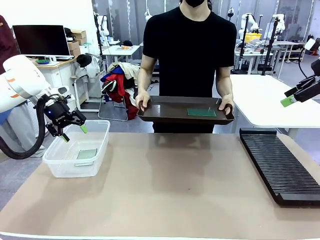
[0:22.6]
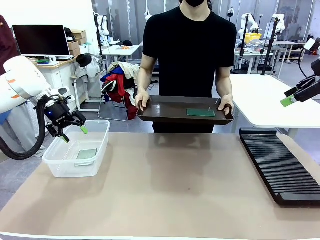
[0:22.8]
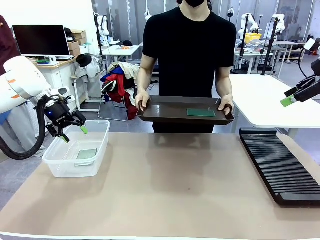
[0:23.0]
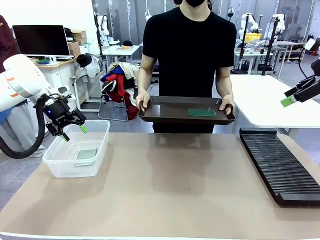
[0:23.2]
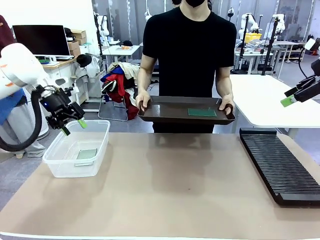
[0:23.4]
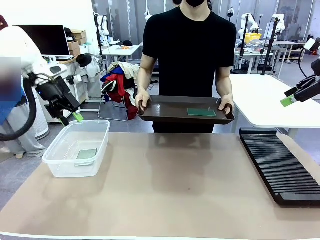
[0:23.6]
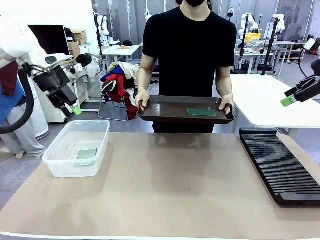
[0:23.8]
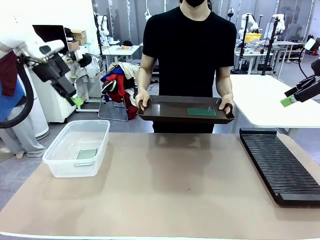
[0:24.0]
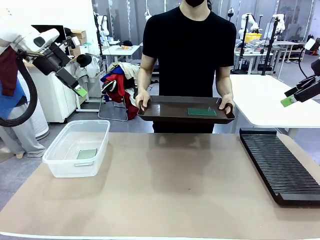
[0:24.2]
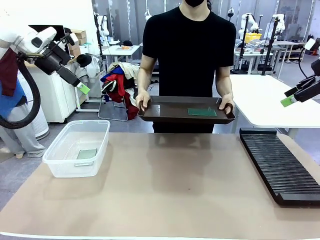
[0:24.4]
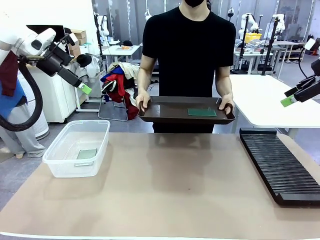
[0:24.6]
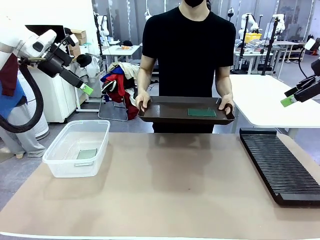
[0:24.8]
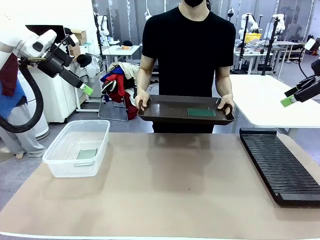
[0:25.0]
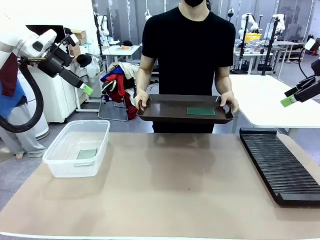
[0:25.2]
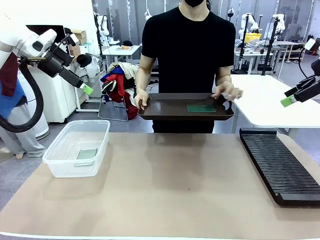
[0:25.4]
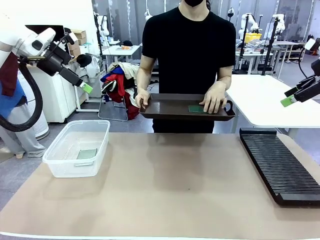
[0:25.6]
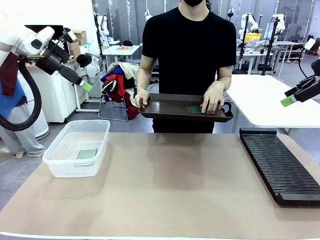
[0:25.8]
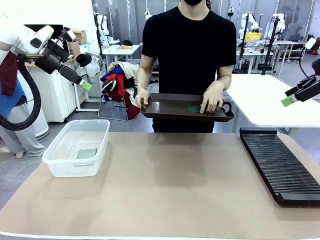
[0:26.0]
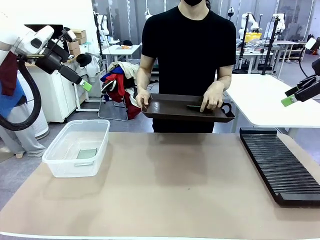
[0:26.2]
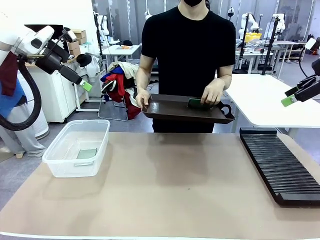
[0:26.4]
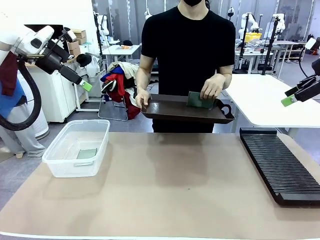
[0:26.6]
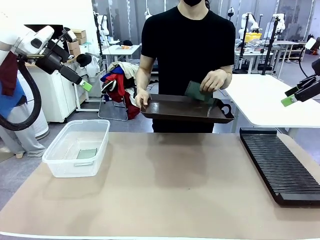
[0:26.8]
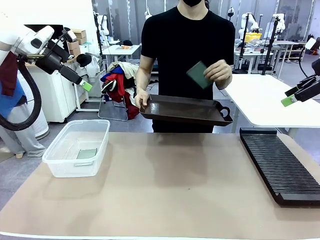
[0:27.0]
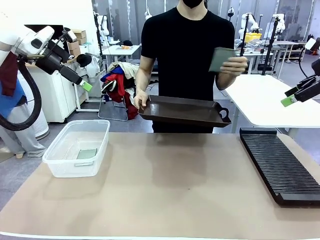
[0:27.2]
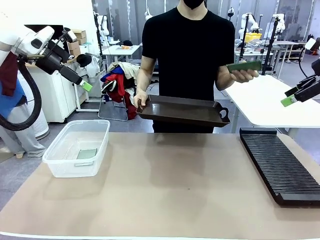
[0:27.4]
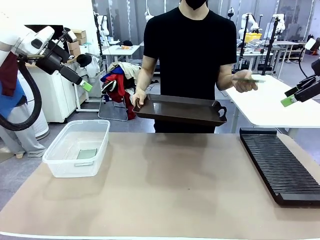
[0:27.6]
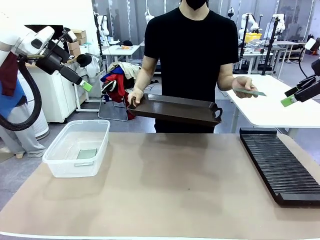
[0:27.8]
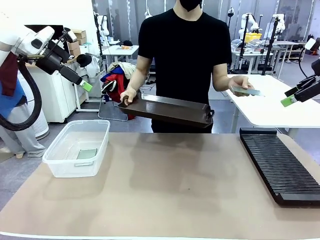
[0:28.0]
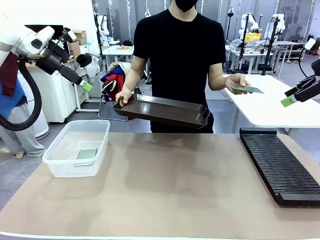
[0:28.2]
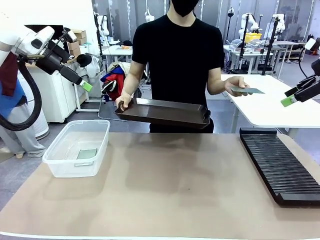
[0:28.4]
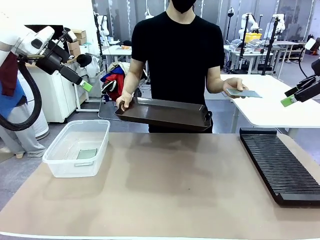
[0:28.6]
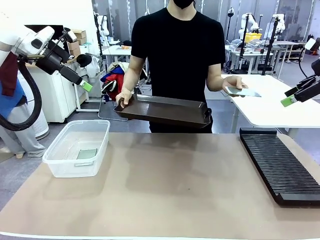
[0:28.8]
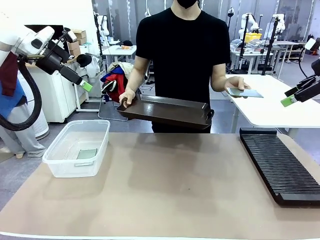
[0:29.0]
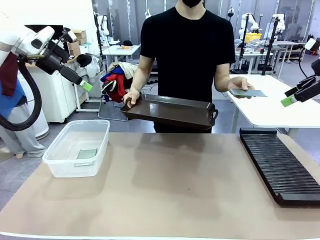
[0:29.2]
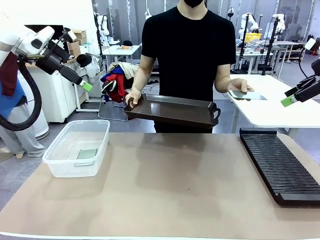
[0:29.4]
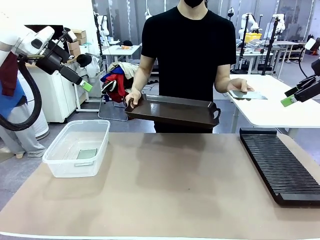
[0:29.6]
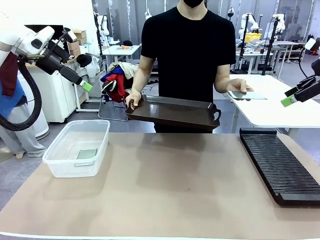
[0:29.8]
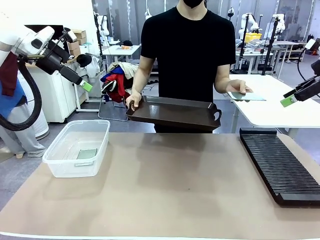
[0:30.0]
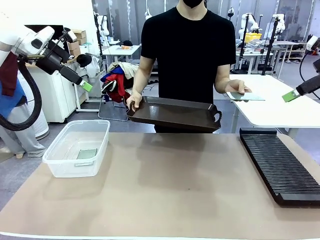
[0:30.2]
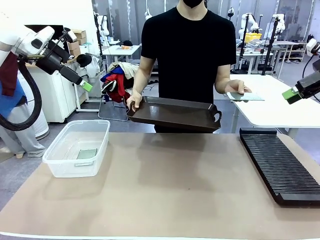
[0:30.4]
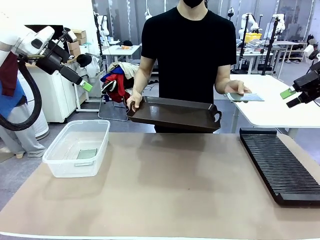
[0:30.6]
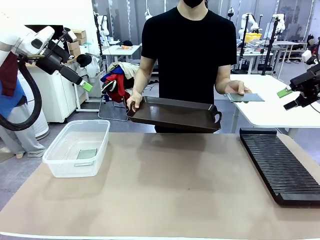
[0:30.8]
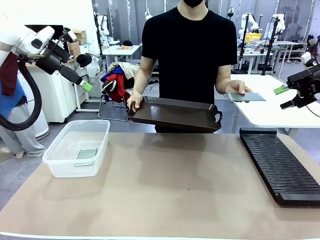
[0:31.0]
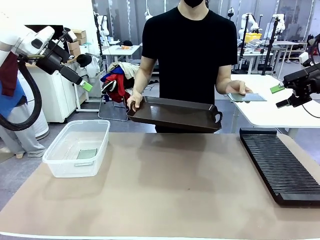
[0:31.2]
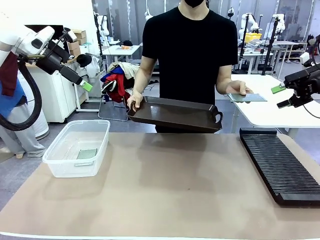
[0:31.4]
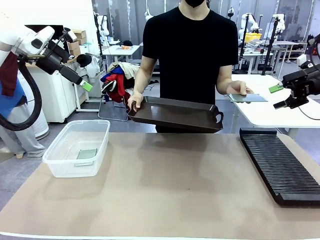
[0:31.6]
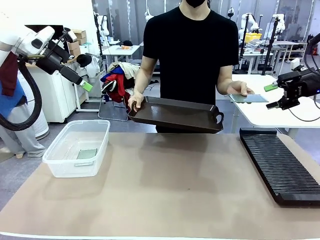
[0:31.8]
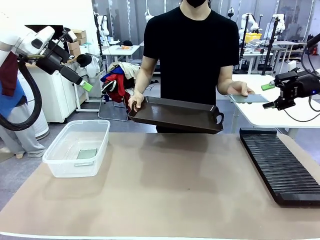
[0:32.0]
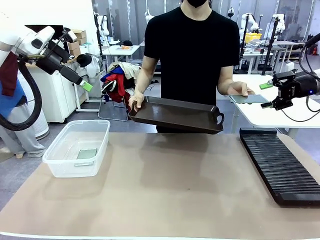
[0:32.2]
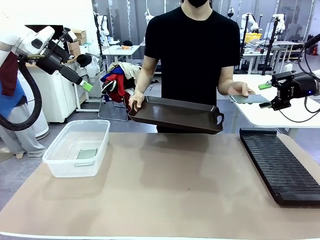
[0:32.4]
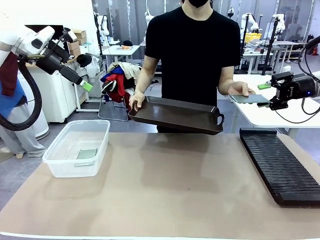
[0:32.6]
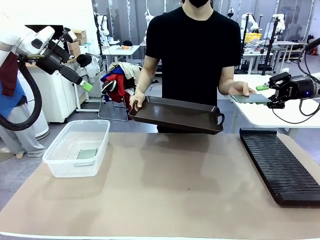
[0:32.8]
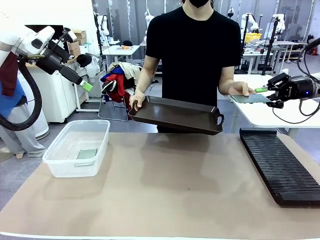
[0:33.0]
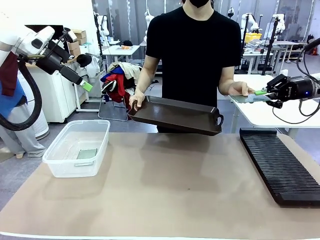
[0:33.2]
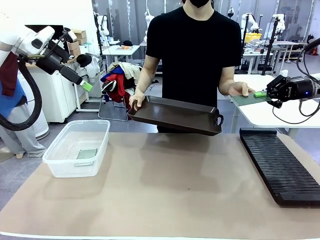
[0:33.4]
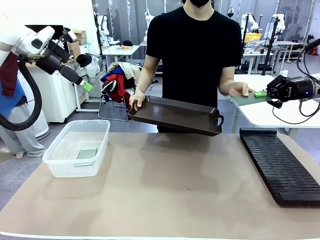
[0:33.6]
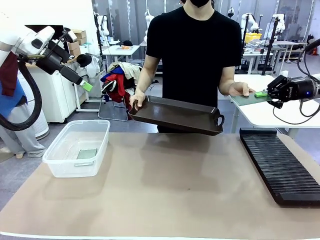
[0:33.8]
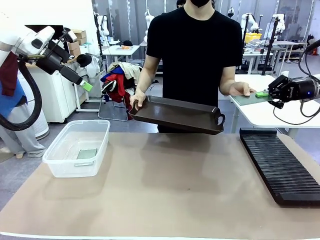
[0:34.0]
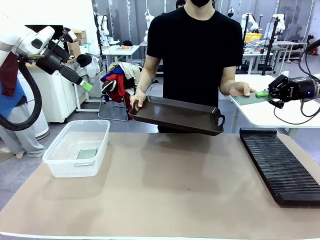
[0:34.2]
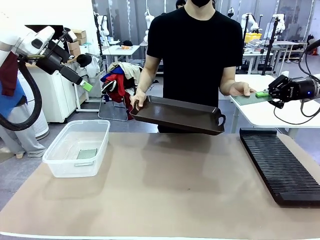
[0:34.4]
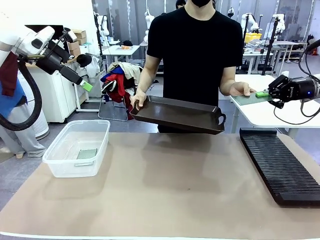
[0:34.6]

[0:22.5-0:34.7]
Task: Sort PCBs into racks and boxes based on the side picked up.
Robot: Pick up the Blank PCB handed by the Human.
Person: Pick one PCB from the tray and present it to the robot.

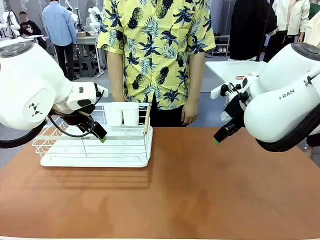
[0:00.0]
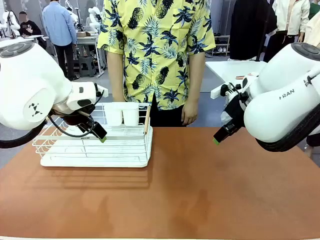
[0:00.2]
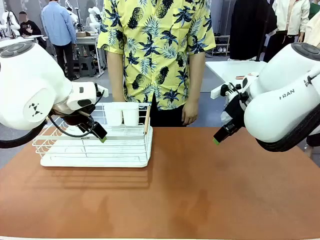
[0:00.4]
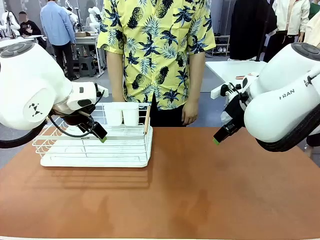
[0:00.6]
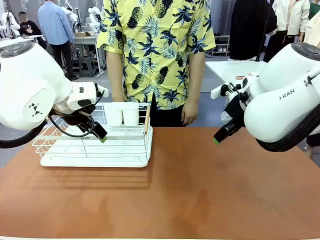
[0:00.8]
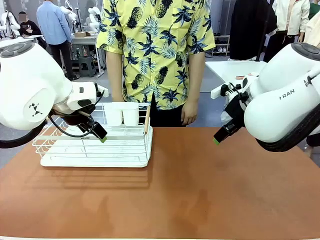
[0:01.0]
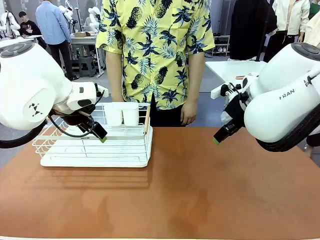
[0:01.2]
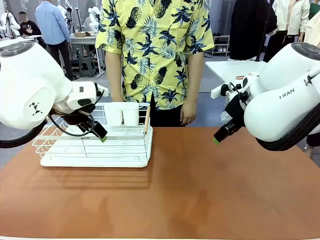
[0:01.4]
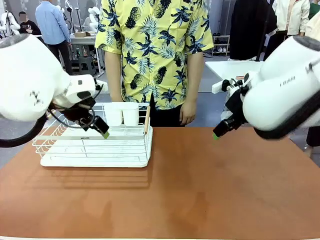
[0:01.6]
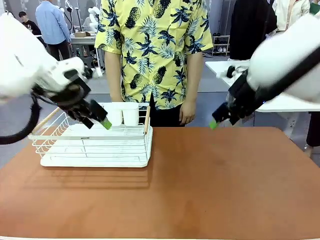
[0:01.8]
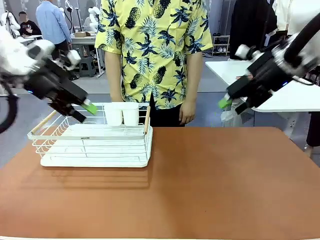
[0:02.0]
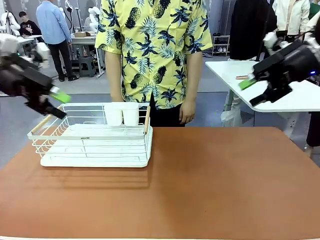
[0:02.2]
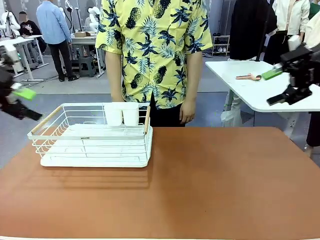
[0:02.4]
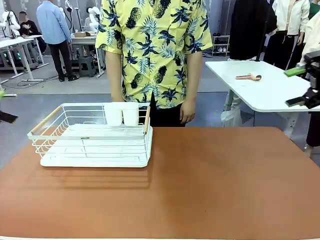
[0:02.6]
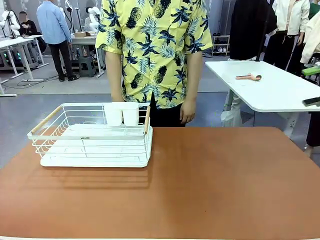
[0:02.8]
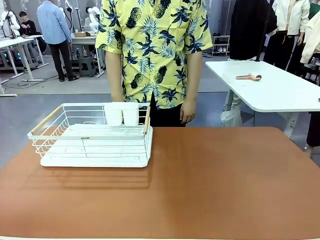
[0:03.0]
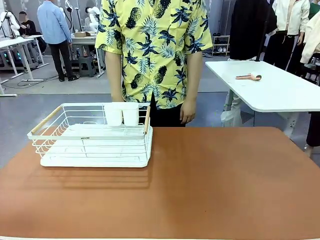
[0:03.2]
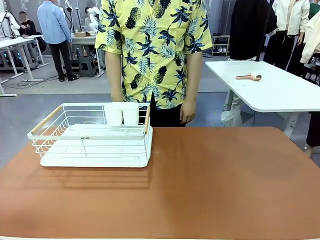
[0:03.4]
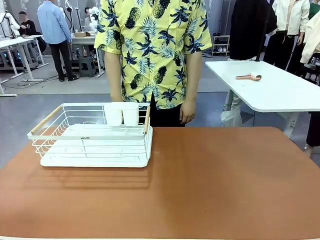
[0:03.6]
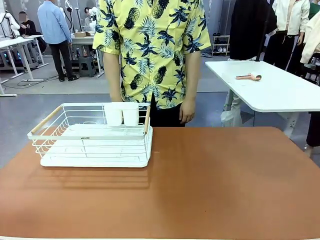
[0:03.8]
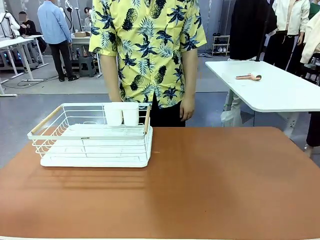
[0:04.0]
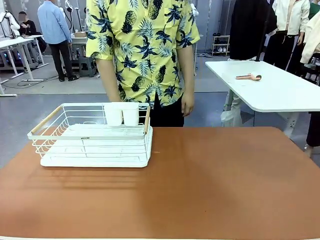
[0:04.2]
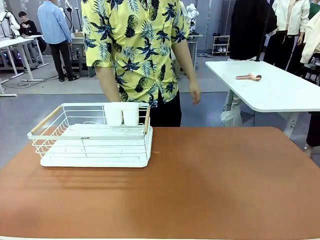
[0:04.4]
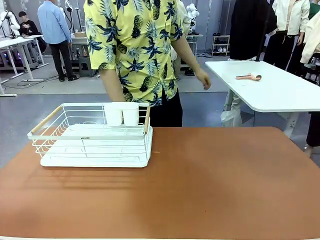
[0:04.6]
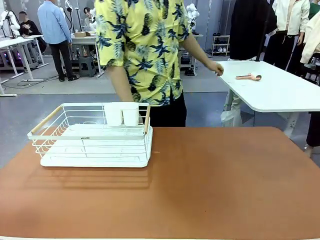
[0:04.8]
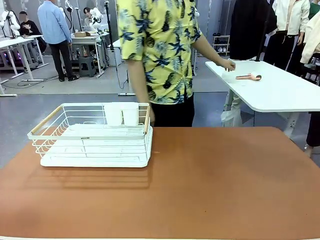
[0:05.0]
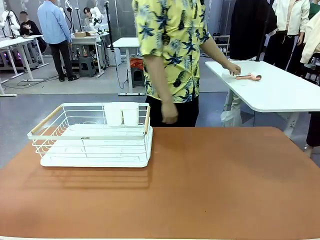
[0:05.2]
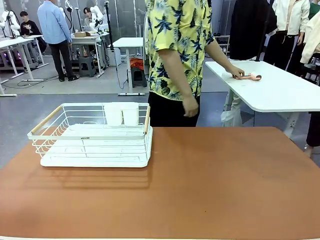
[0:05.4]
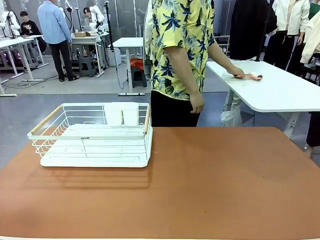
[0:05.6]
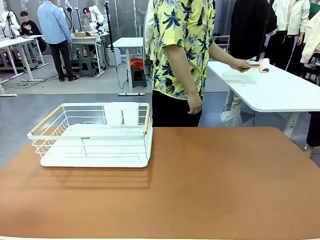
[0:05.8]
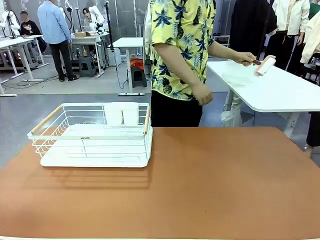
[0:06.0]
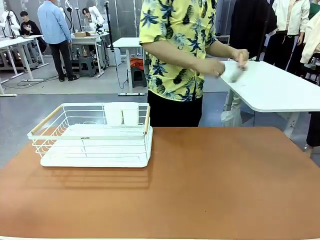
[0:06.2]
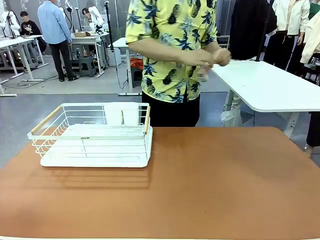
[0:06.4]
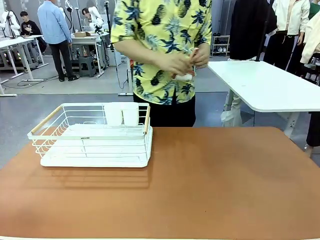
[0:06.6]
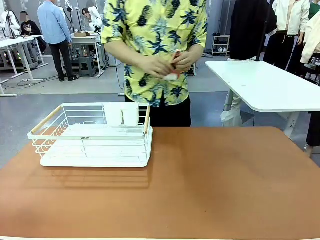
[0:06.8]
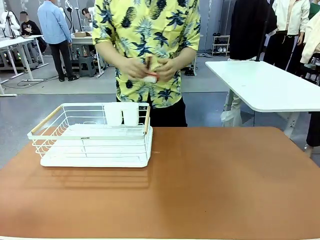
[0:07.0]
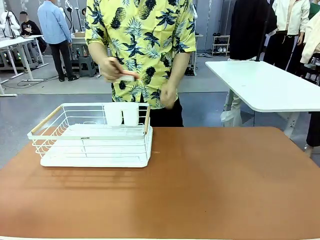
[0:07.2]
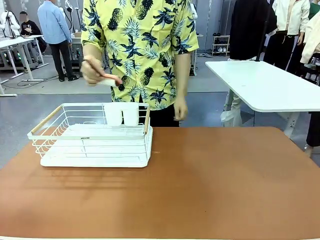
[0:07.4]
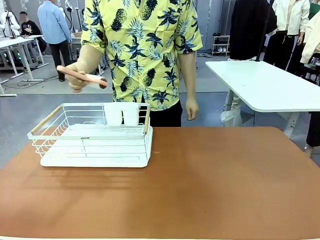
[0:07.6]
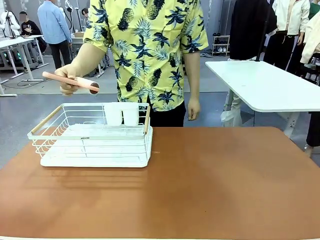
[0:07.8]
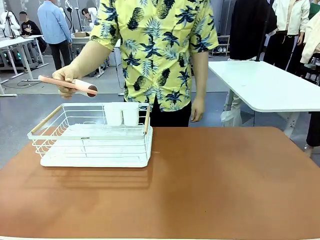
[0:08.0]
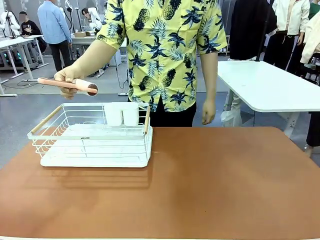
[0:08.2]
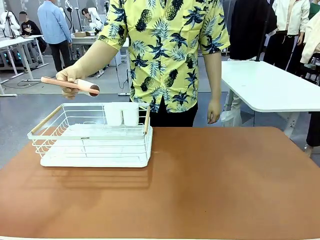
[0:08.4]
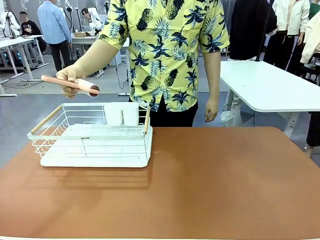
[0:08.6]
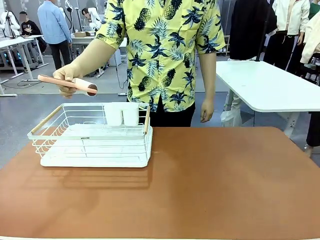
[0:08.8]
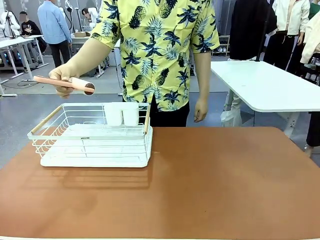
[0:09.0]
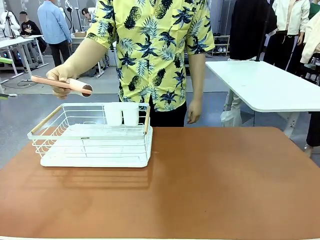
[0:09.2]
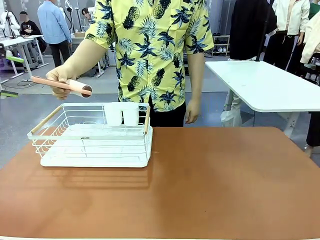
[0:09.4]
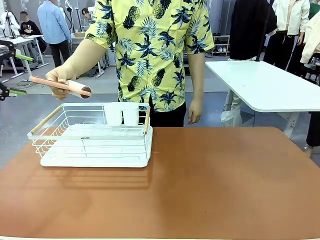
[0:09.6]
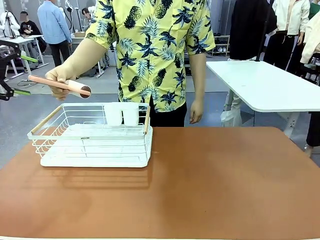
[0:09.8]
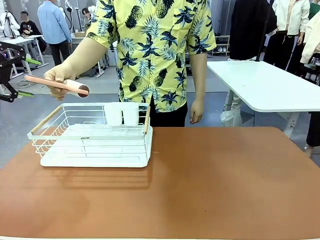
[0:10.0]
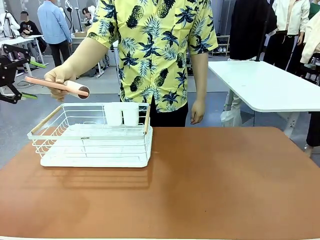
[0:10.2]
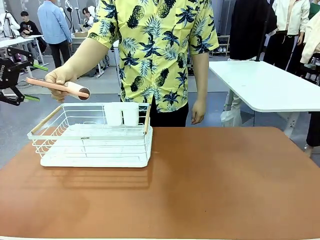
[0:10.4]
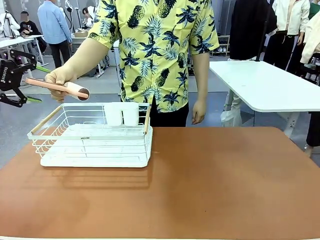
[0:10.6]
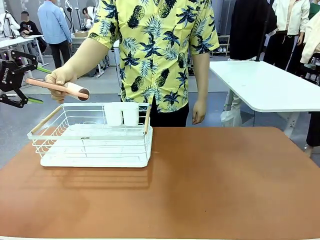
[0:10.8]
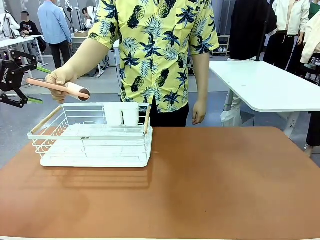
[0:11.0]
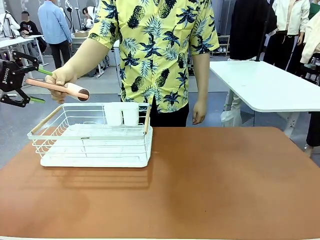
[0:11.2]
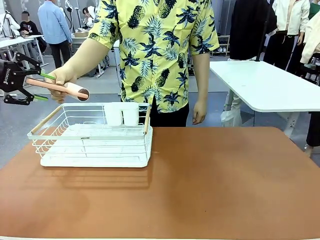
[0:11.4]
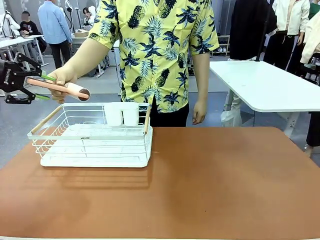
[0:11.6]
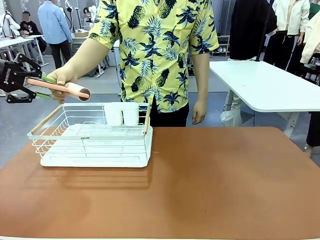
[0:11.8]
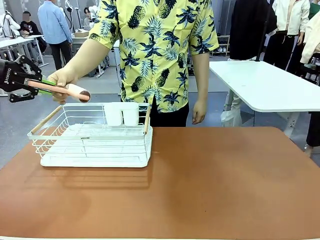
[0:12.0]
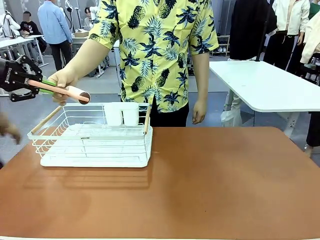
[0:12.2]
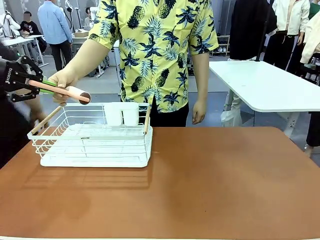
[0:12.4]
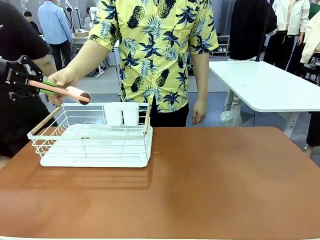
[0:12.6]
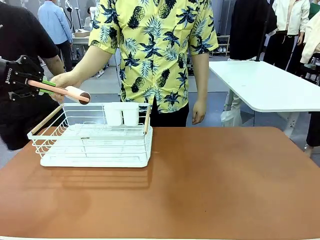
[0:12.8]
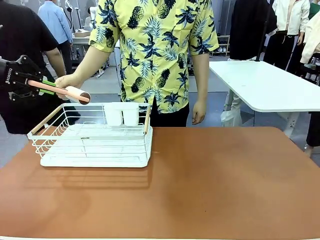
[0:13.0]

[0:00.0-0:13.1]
Task: Clean the table.
Robot: Pick up the Lint Roller when the human hands it over.
Person: Hand the Lint Roller to the robot so it can easily pick it up. Lift the Dish drying rack.
